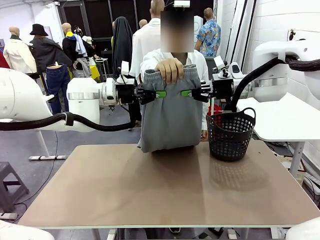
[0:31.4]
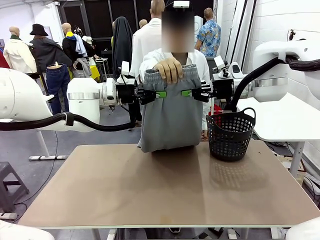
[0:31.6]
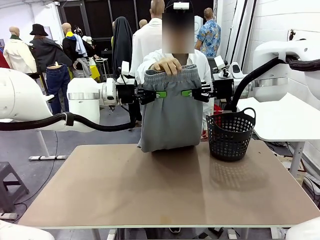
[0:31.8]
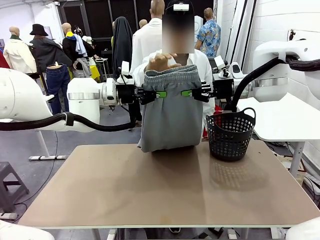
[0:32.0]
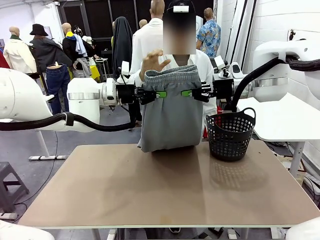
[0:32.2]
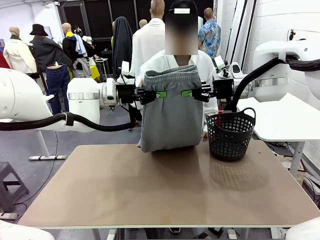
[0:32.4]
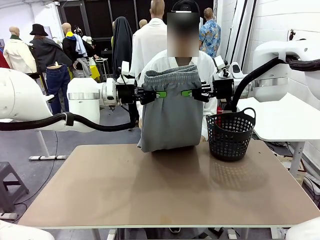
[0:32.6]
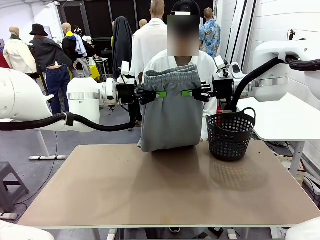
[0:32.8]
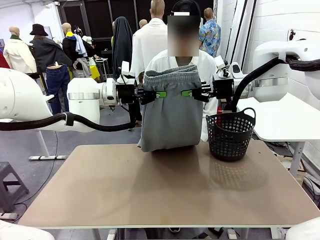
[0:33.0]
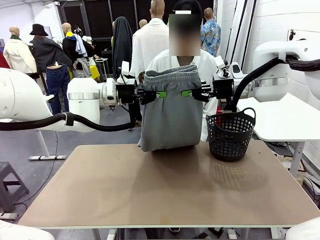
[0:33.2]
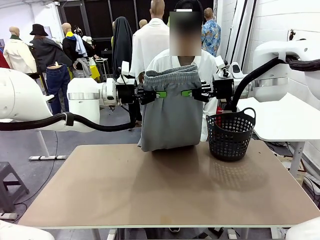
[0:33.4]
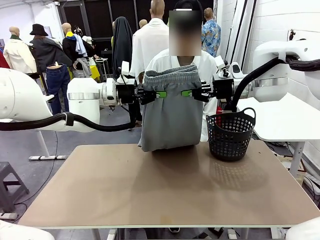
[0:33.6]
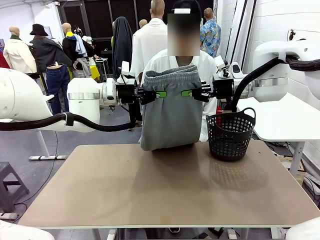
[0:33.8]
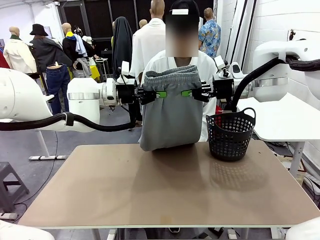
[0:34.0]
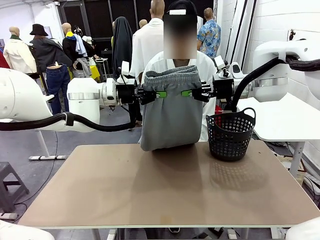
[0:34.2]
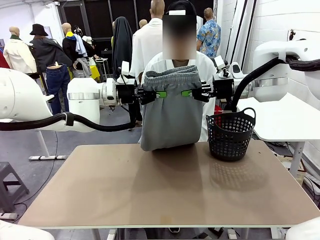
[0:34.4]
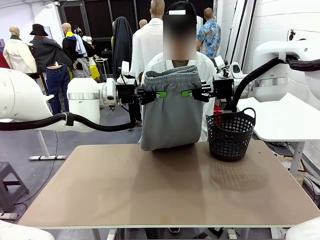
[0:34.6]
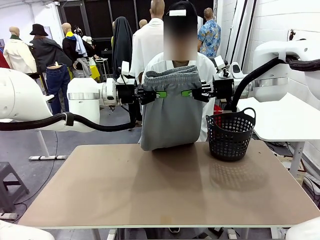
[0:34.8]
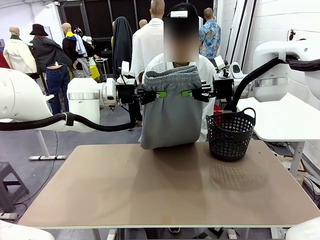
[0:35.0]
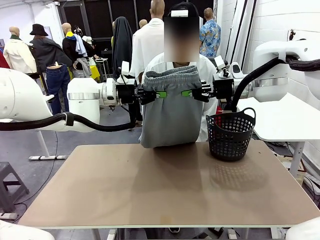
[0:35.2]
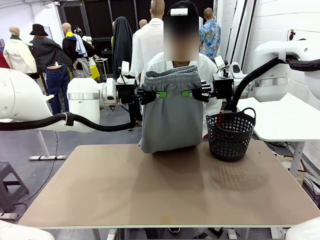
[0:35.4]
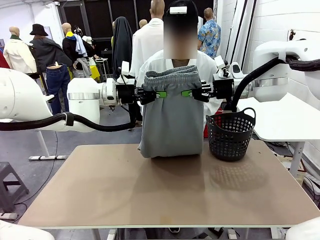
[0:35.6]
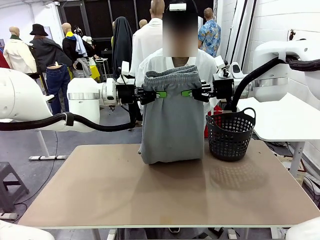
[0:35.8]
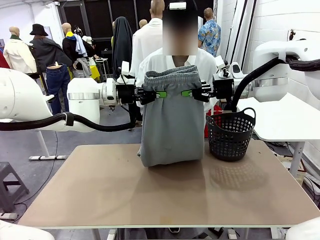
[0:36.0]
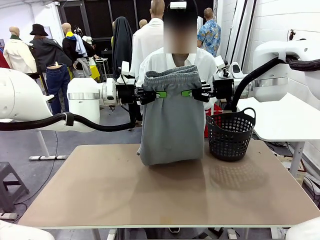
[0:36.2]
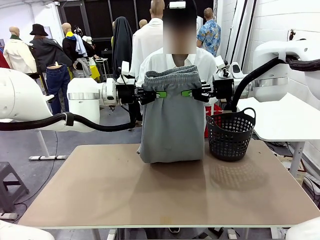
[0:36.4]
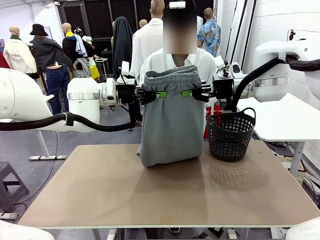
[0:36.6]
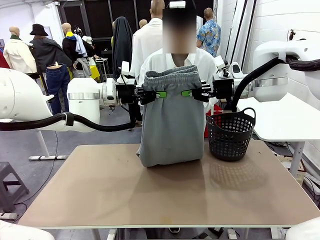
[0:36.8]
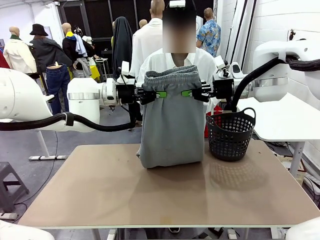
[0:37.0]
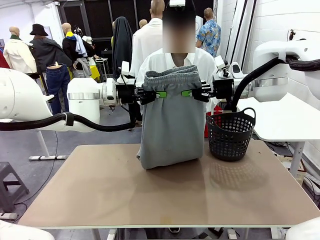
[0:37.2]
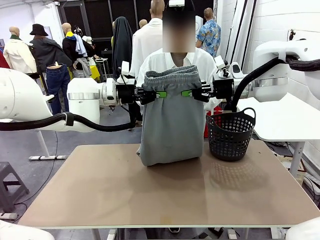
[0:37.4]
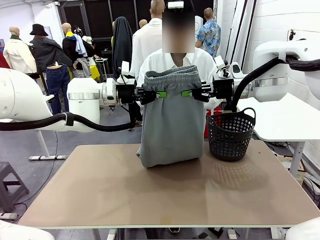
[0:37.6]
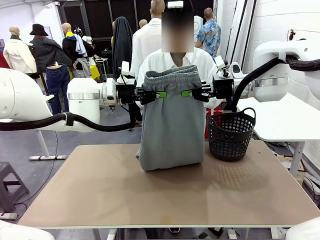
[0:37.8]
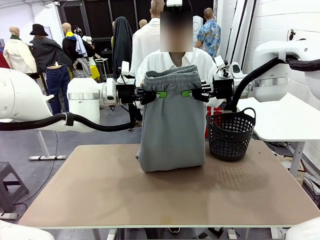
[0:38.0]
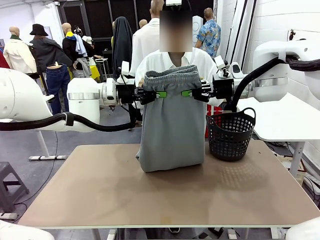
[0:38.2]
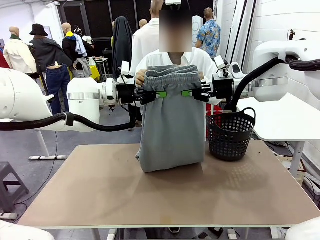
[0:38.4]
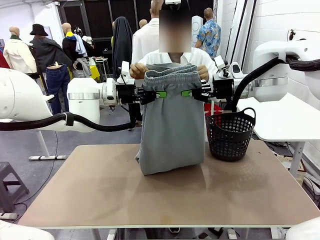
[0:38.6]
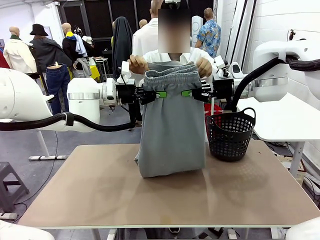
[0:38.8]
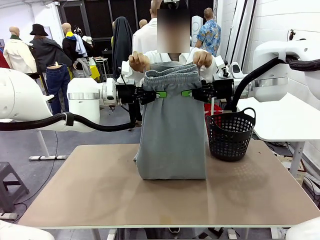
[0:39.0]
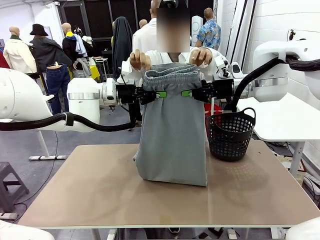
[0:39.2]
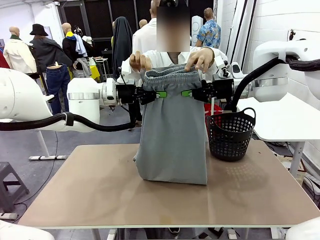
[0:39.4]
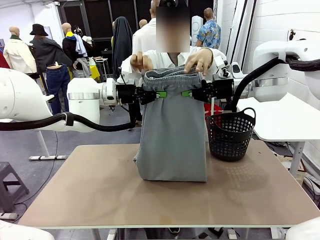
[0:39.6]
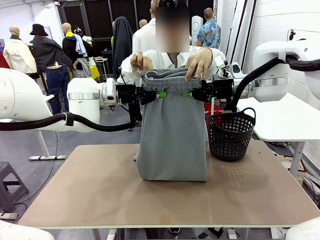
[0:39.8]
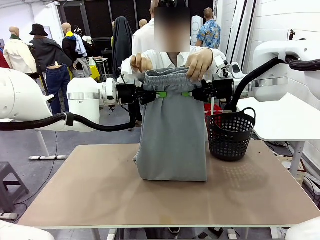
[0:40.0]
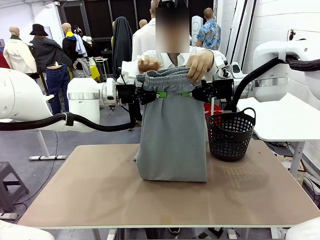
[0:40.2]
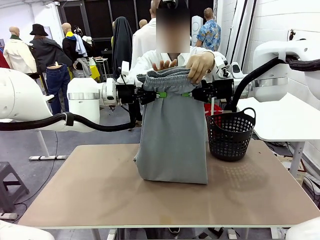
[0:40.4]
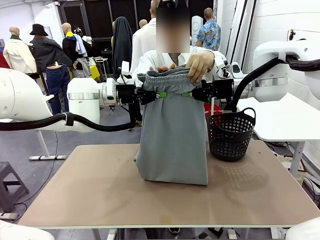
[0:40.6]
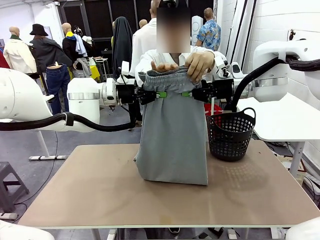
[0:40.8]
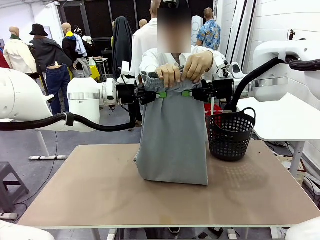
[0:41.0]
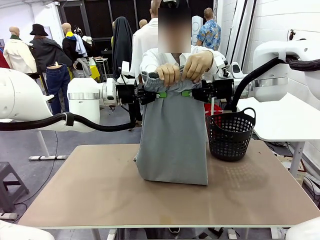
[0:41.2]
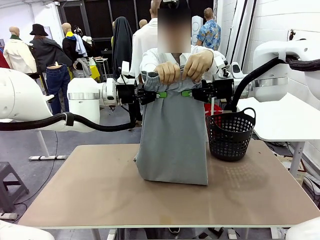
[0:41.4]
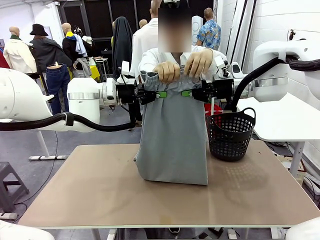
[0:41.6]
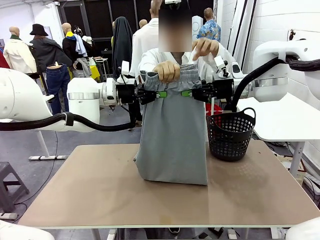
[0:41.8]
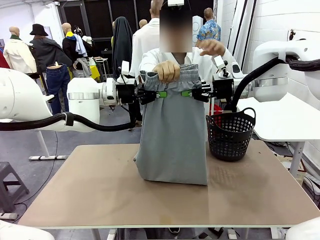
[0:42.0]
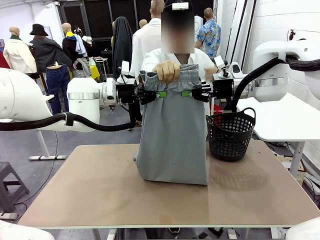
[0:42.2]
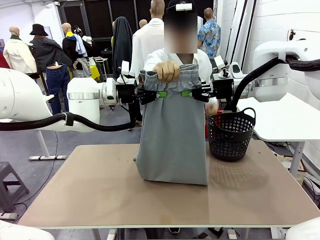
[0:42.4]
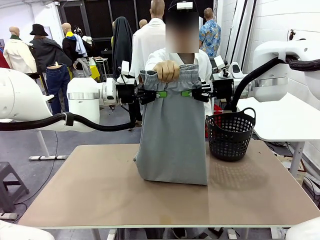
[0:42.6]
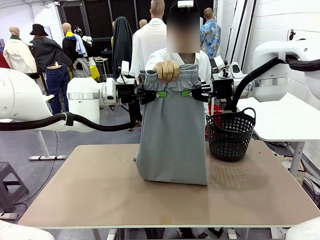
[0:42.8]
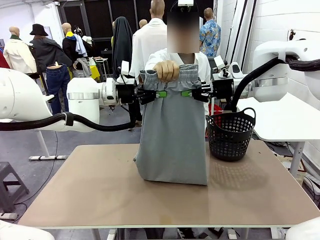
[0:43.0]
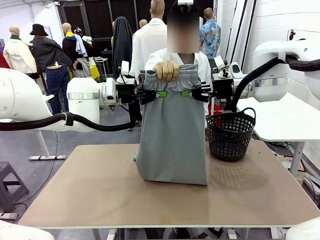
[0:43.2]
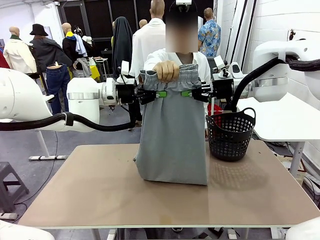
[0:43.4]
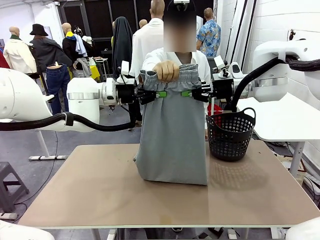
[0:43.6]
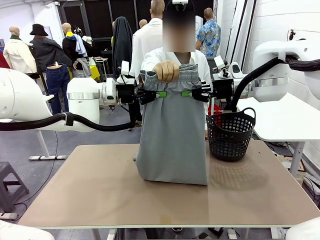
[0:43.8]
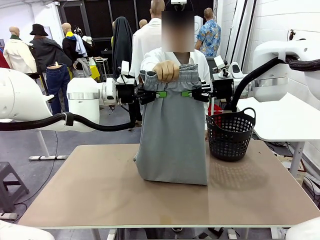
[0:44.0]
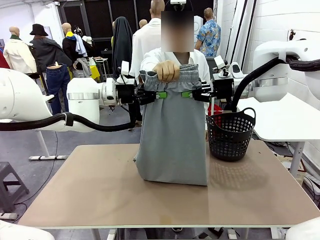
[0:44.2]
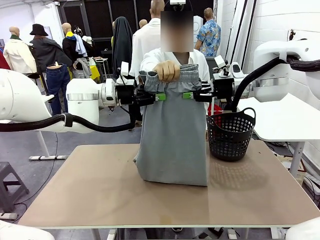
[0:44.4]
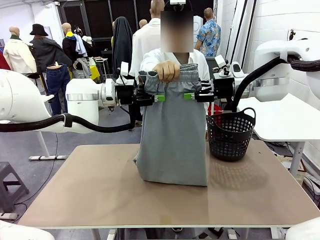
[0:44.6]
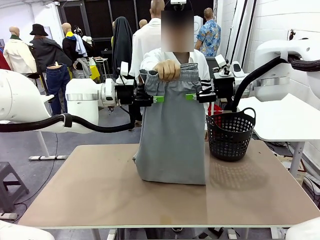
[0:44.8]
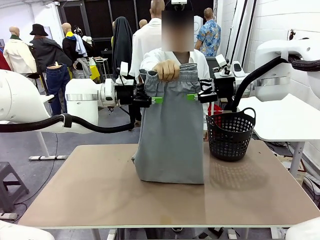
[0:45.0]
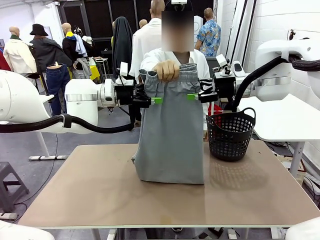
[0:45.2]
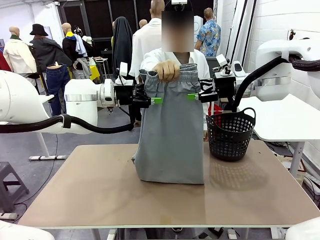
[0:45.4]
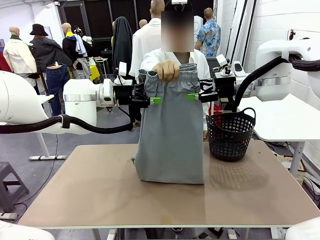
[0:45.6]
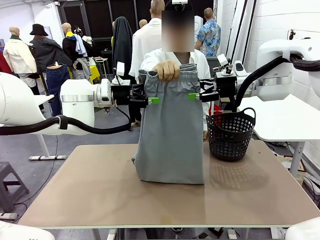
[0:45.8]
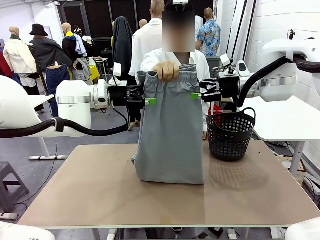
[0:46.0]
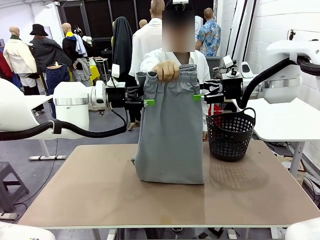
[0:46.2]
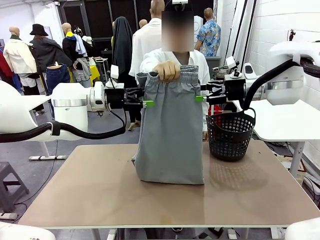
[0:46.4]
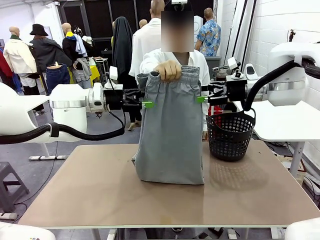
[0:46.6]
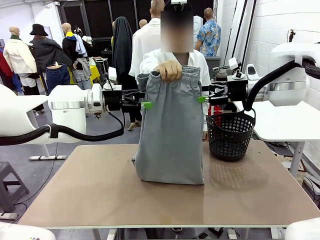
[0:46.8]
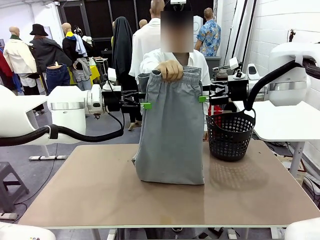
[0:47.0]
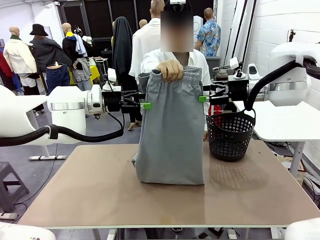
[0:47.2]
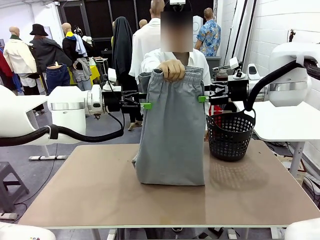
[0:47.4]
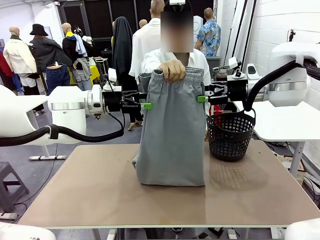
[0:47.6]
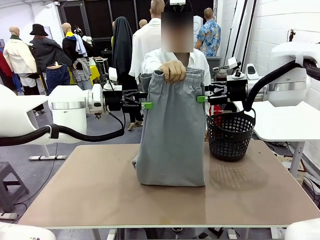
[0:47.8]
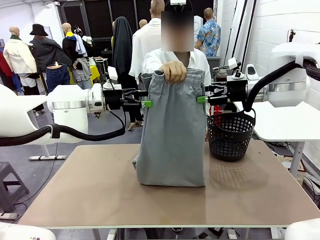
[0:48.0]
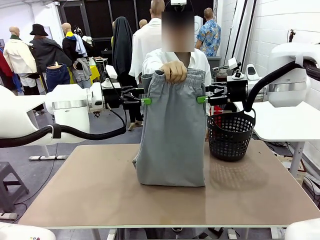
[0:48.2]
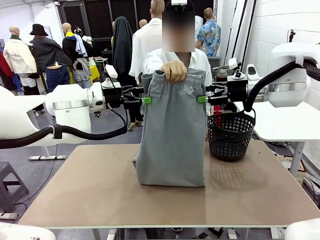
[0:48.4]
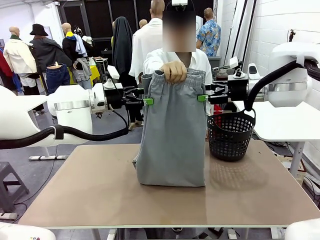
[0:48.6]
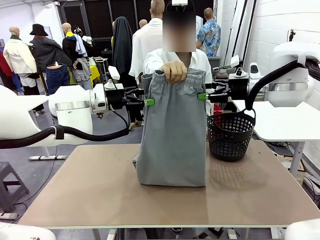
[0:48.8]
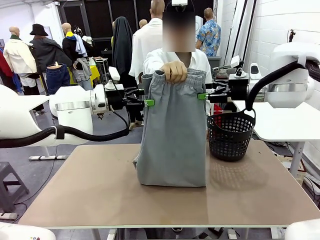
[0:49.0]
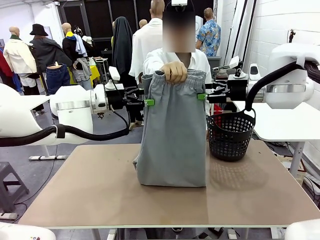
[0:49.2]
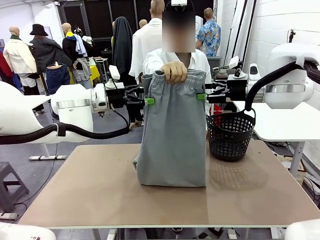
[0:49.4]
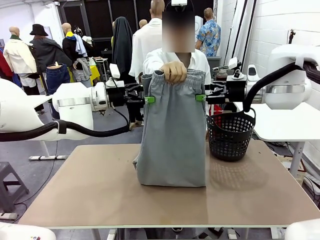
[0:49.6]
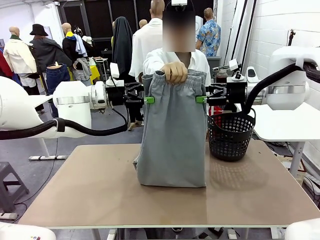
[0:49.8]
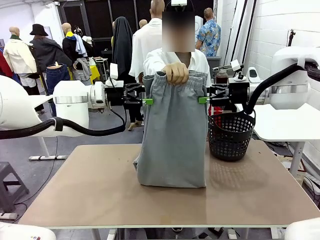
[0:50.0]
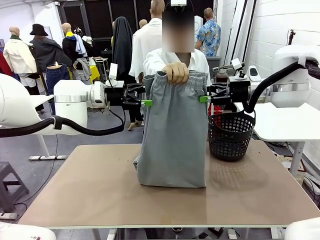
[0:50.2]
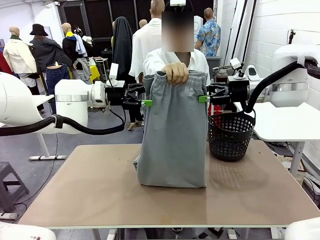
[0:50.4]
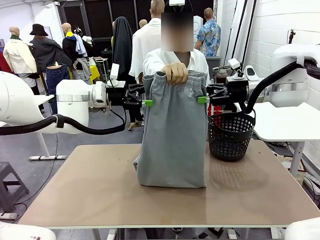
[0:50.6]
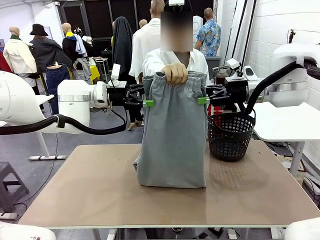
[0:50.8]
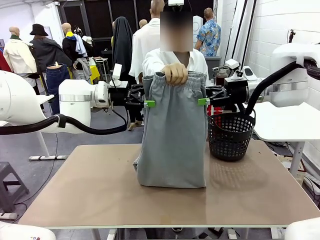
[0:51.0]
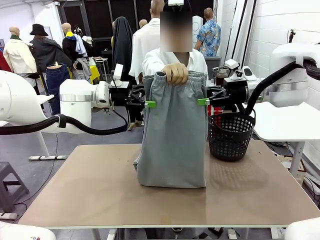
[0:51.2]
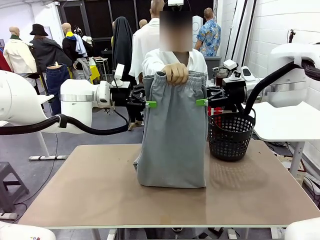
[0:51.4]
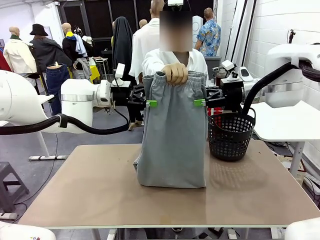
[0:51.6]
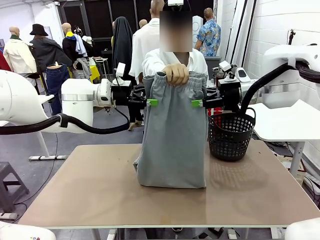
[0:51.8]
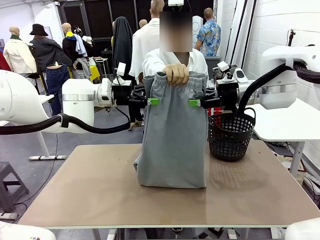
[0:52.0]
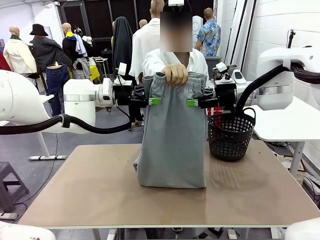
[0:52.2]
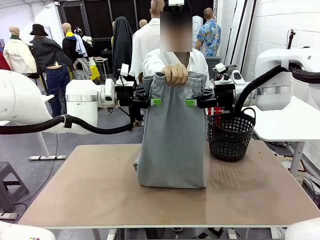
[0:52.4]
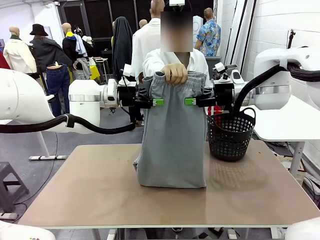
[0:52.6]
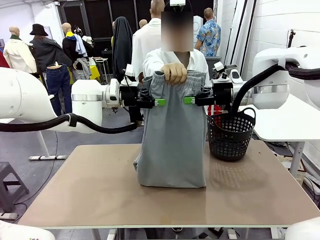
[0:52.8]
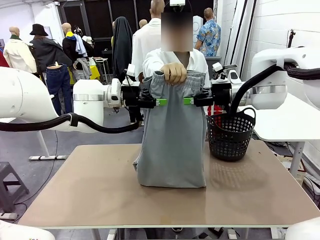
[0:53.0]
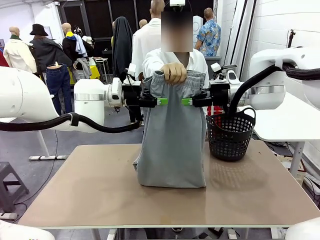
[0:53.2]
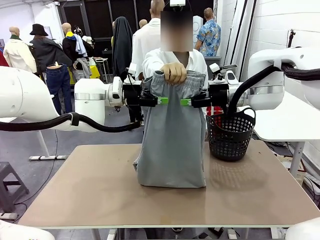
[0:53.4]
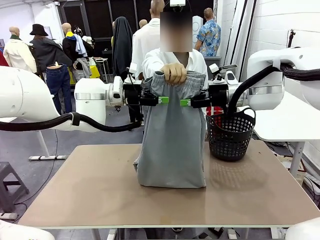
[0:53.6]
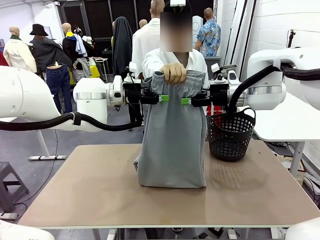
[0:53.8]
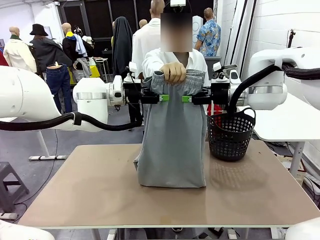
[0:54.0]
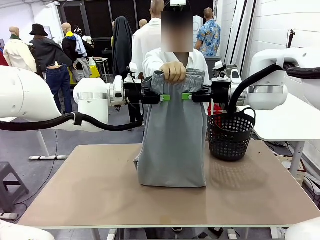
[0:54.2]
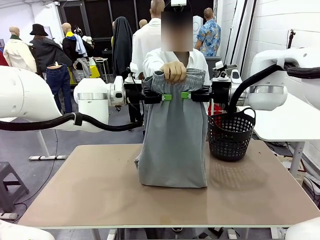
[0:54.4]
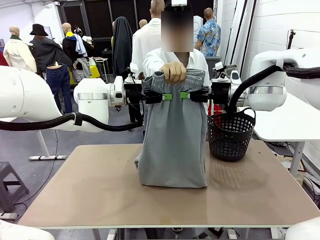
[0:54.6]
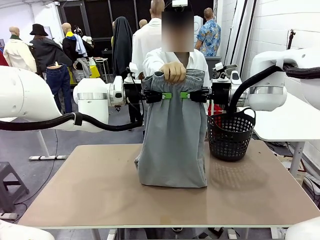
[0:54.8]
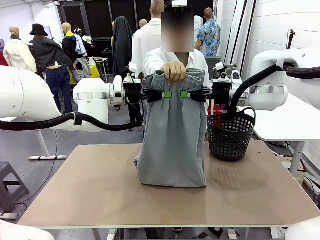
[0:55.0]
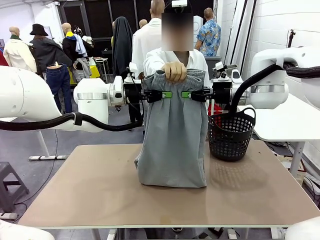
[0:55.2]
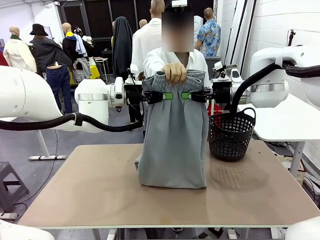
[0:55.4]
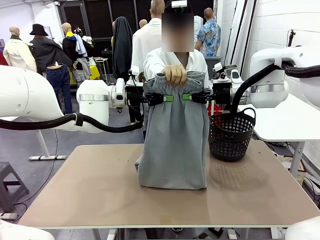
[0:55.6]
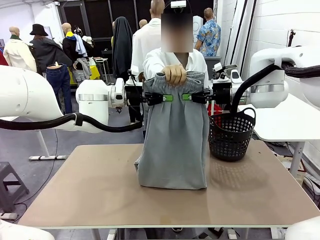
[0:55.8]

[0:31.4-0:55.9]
Task: Fold the training pants.
Robot: Release the ends of the Training pants and then grab the overlapped ends.
Person: Grasp the end opposite the point the robot is holding, fold the pants in half, and then grasp the overlapping top end of the folded pants. Release the pants you were holding.
